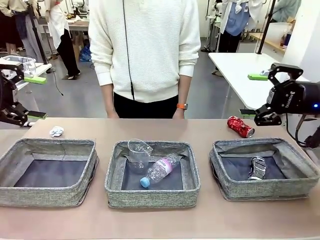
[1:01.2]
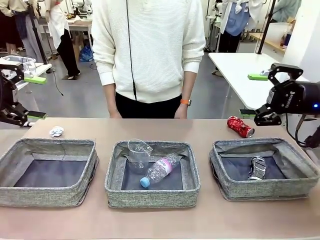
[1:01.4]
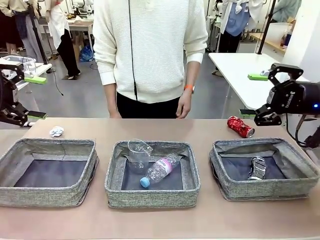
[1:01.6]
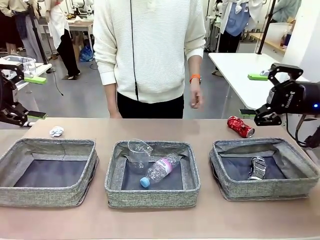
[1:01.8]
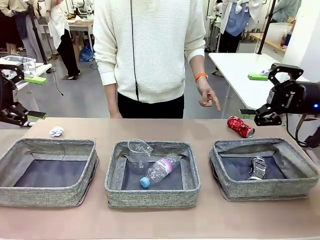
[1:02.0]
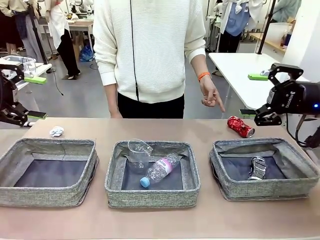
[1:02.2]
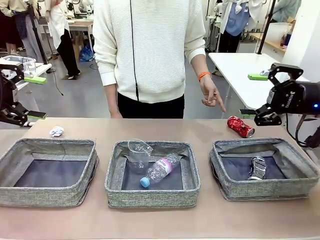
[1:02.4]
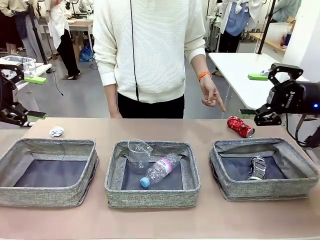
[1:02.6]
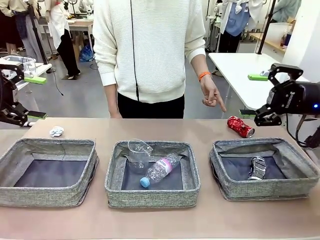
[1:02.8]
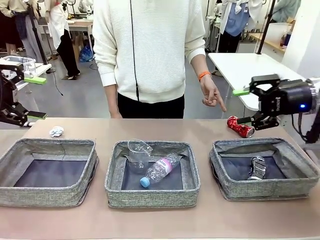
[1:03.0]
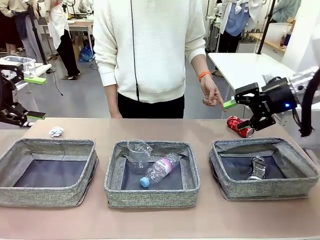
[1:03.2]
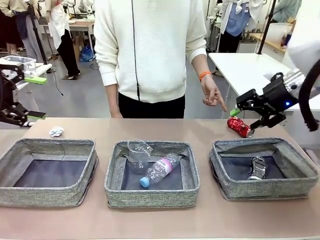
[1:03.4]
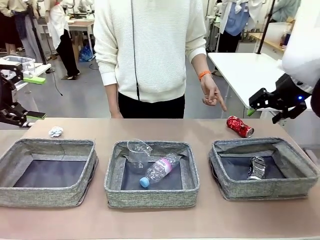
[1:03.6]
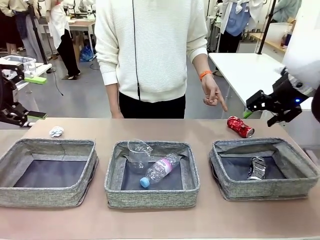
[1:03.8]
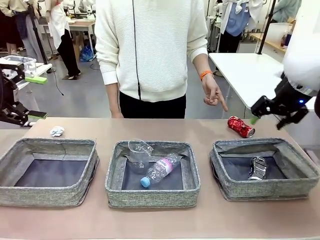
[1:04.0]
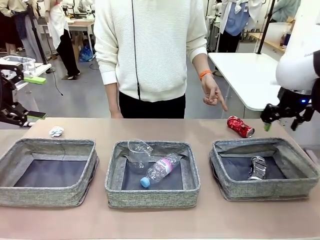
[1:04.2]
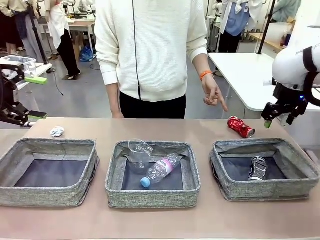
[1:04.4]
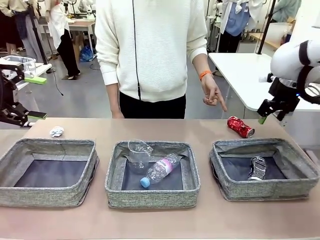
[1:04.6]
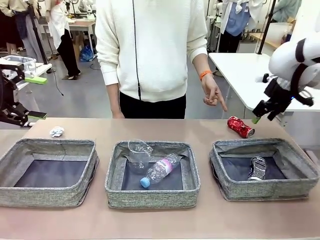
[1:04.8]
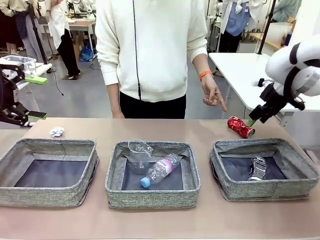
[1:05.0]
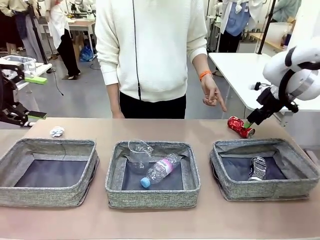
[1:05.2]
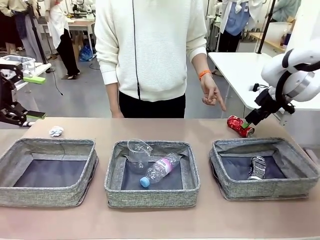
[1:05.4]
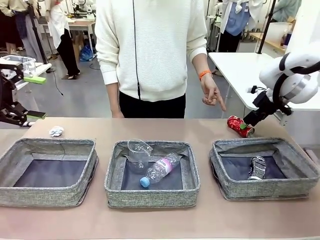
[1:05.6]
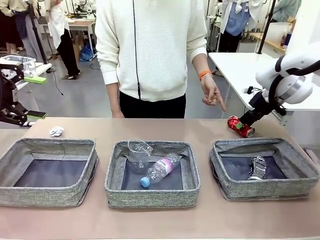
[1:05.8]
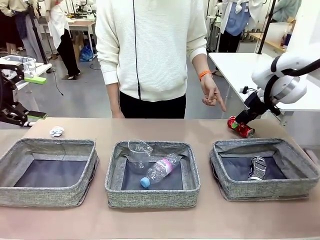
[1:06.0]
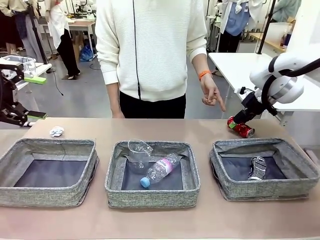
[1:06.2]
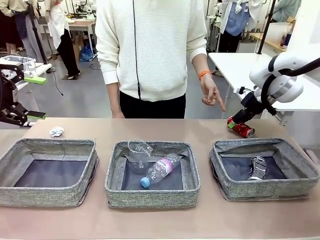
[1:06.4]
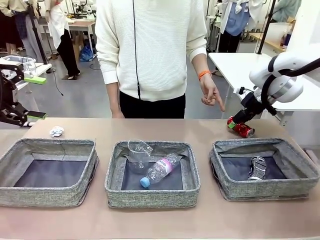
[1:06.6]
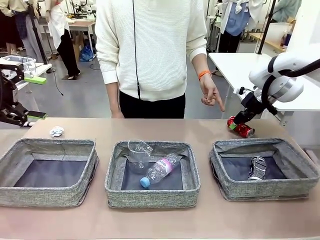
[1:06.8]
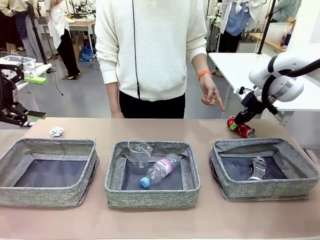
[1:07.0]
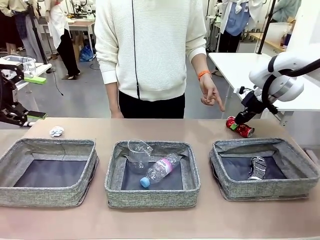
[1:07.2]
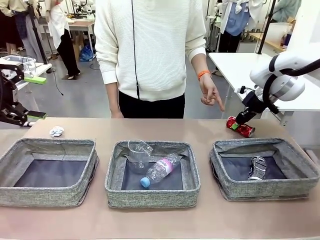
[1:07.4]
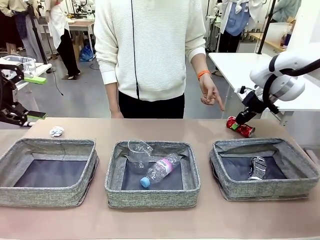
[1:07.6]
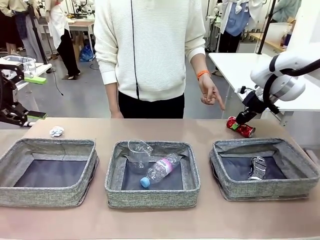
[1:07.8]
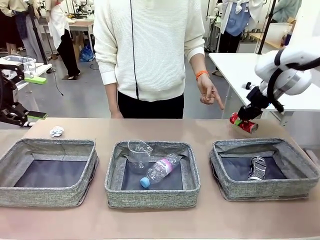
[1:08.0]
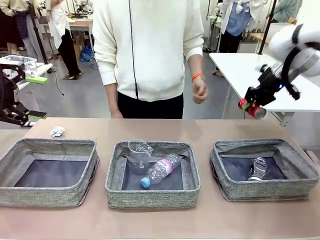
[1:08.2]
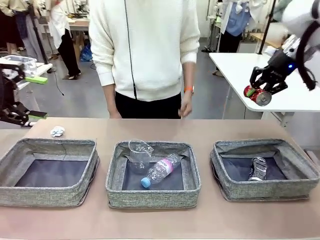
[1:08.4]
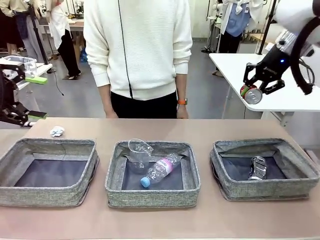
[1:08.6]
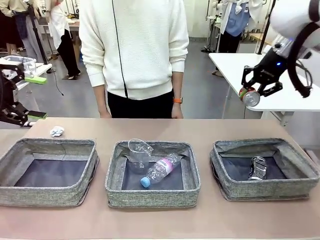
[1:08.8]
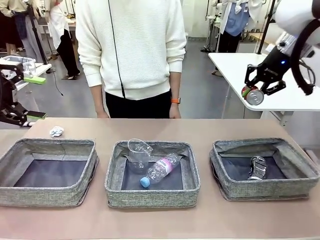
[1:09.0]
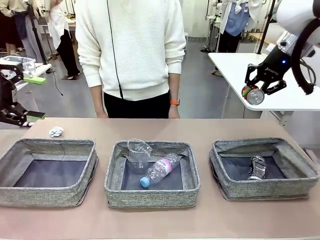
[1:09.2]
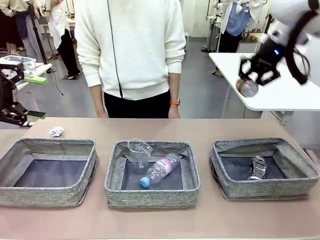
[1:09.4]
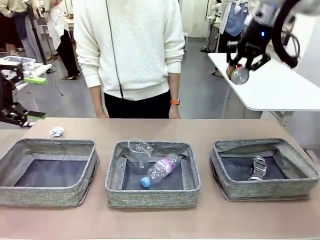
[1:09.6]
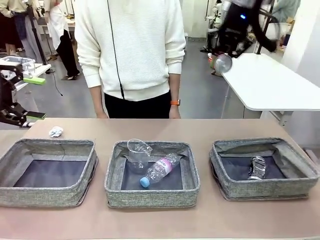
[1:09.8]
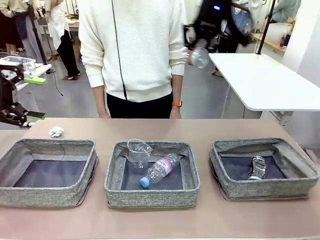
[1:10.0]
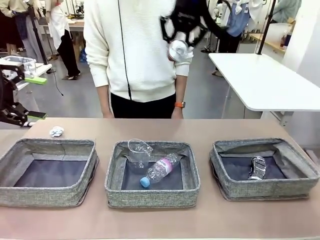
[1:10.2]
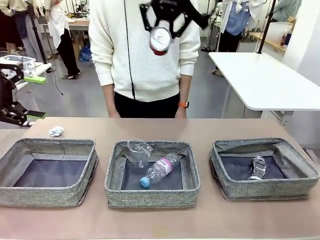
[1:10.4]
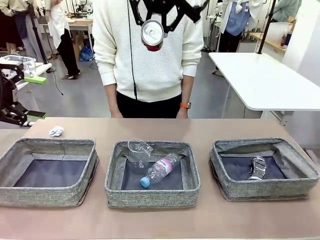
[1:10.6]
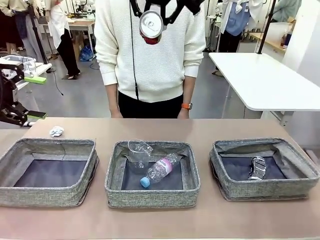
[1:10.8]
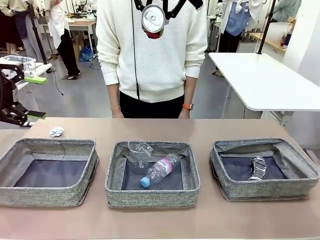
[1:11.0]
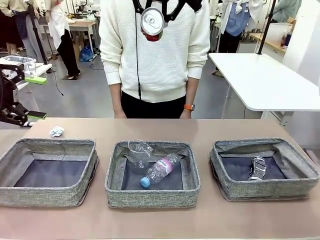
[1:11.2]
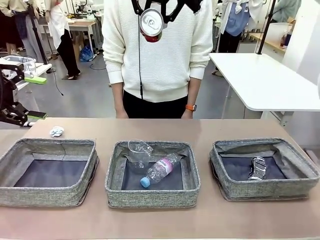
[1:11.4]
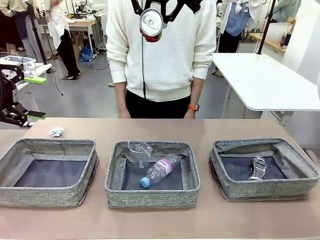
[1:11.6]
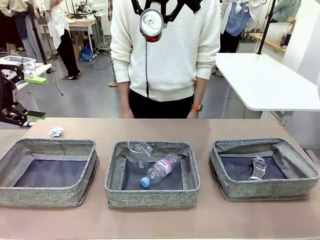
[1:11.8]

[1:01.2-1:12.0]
Task: Sort the waste into the appropriate baskets.
Robot: Pick up the waste item pointed out by the person.
Person: Points to one piece of trash on the table.

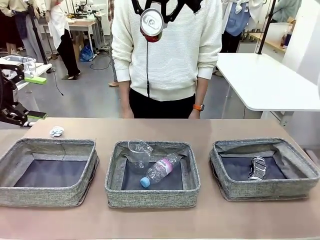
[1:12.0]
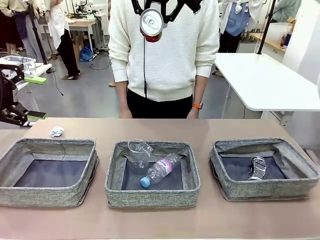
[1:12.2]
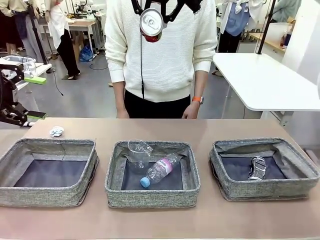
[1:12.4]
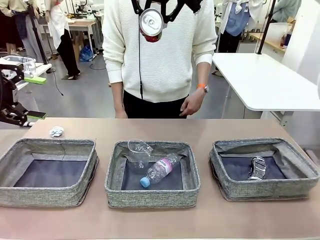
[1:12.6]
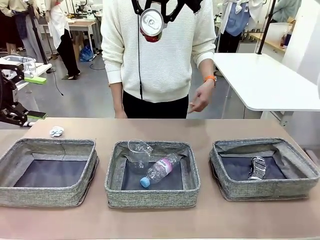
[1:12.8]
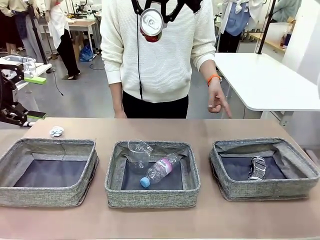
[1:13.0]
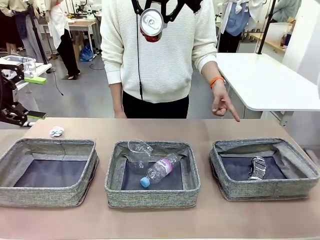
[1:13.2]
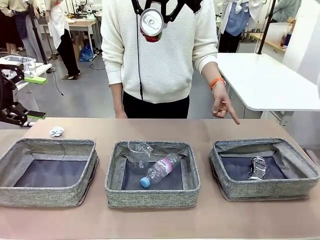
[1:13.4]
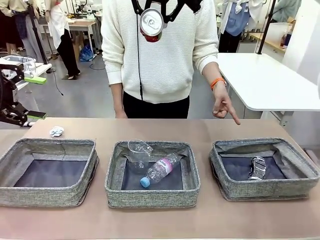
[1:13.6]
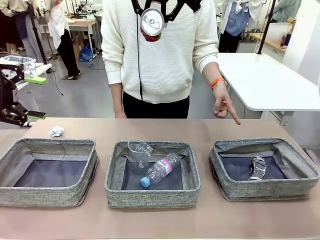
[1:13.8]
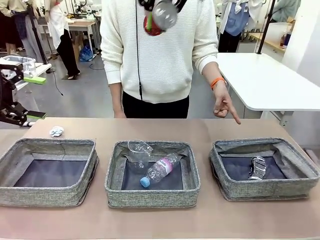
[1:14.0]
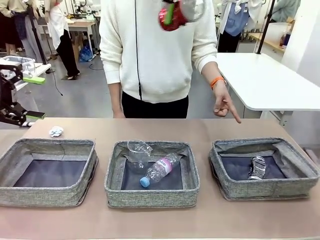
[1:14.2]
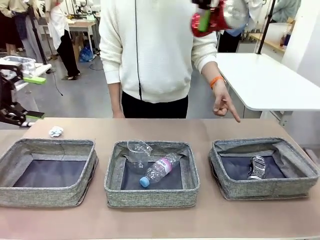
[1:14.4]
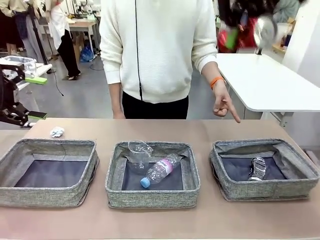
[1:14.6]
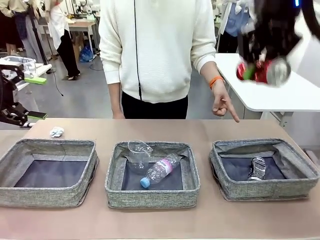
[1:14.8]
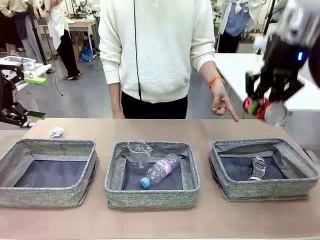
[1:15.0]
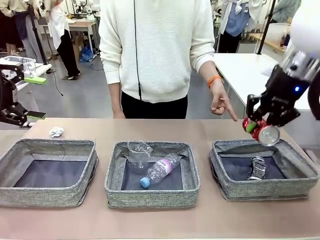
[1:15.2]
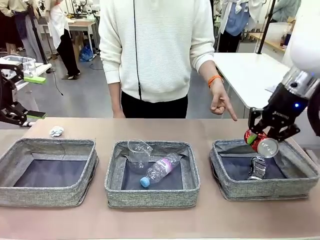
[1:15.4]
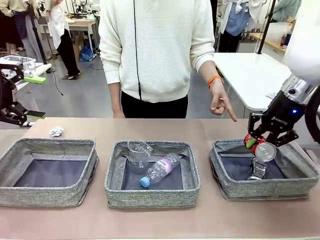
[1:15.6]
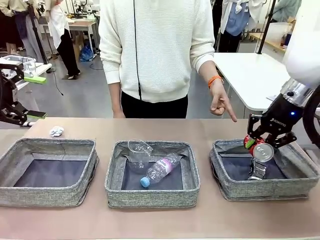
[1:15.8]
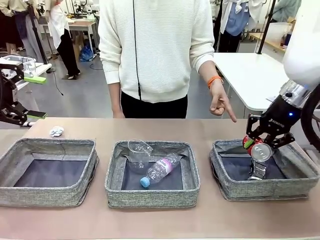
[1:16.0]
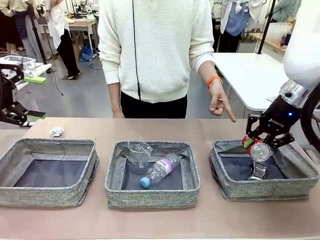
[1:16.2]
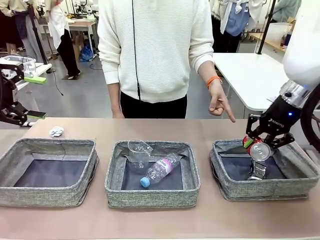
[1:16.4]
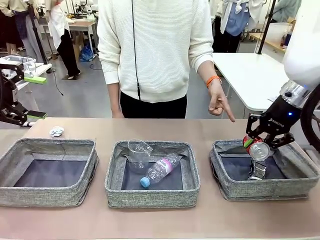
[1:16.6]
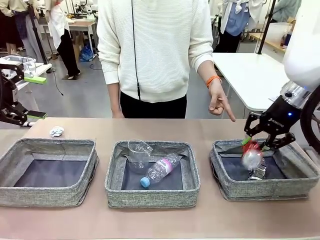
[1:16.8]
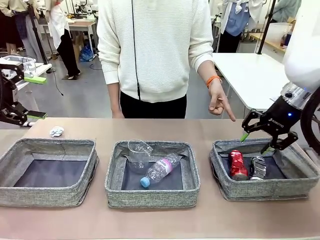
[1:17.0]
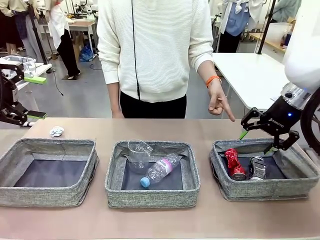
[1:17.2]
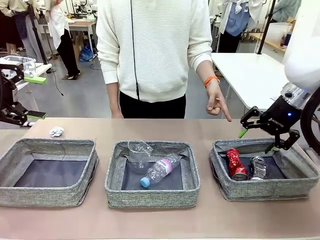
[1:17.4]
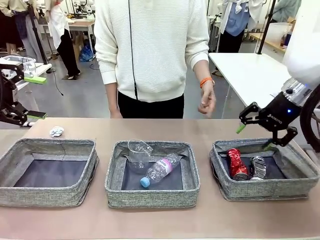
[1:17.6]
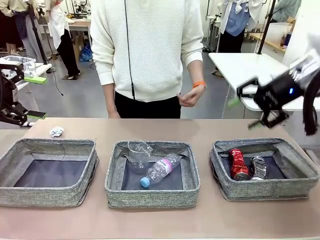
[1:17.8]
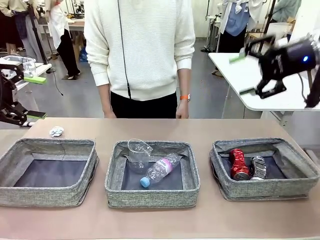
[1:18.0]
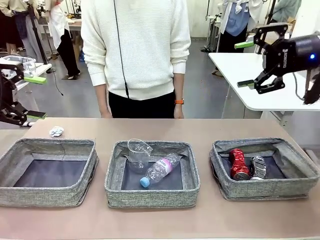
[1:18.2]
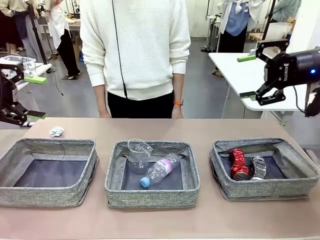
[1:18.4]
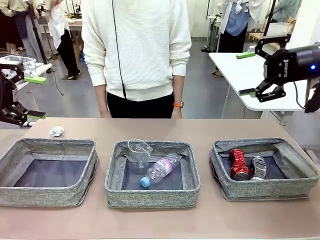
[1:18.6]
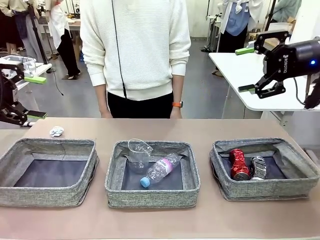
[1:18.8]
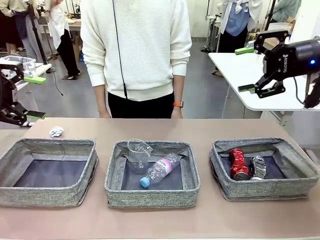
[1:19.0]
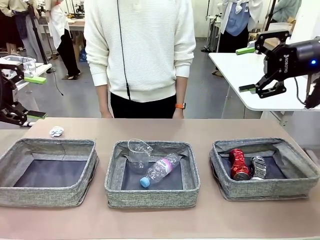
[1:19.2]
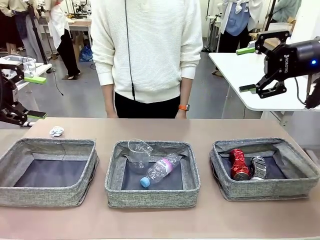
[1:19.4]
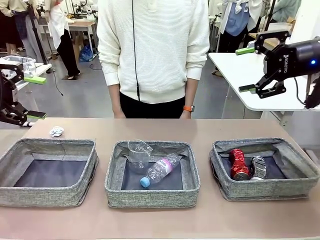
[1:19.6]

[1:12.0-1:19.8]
Robot: Place the picked waste into the Fabric basket indicated by the person.
Person: Instructs the robot to place the picked-up trash into the appropriate organizing basket.
